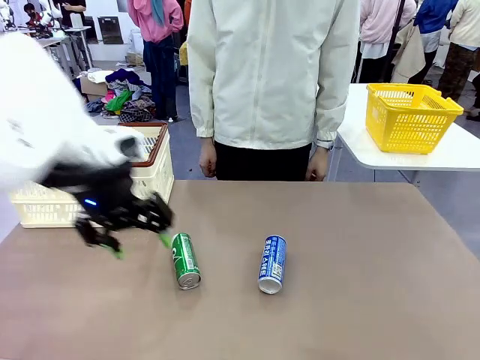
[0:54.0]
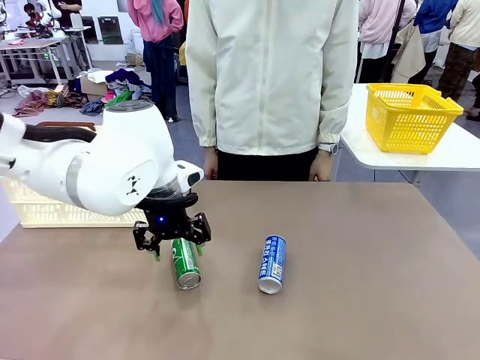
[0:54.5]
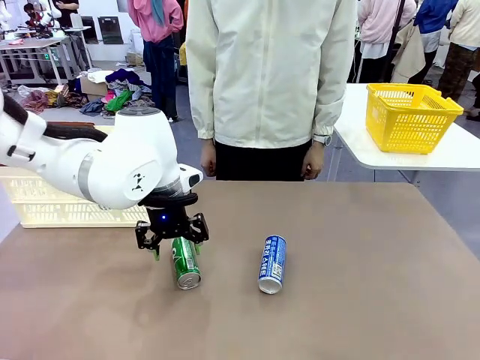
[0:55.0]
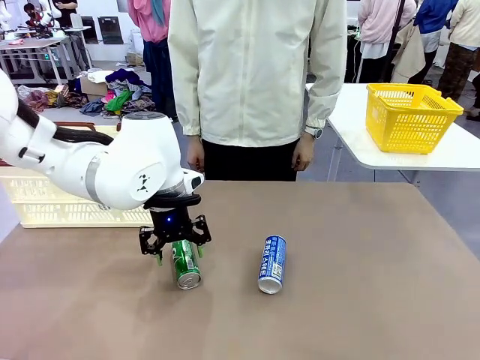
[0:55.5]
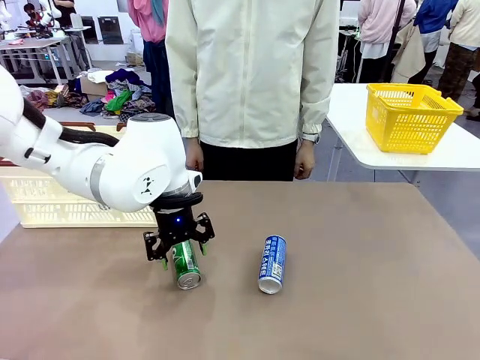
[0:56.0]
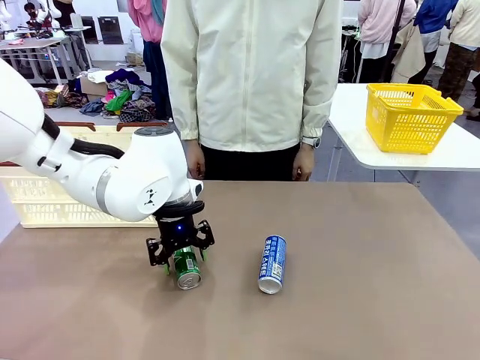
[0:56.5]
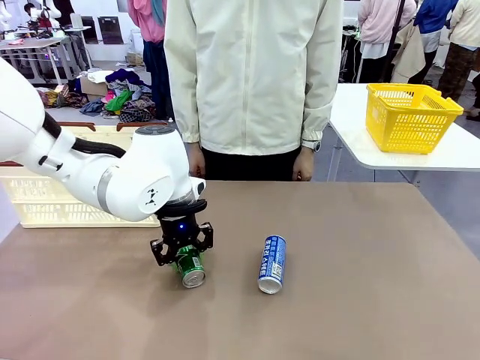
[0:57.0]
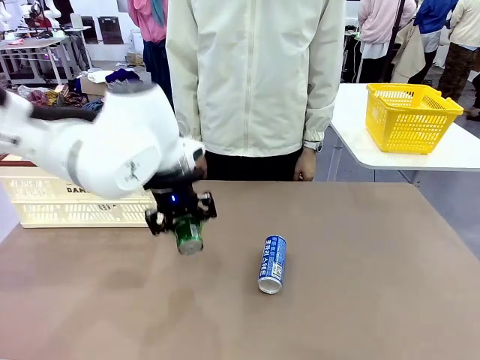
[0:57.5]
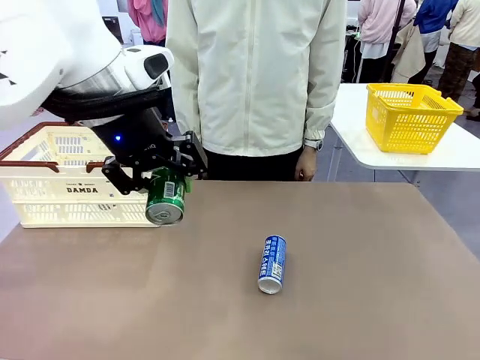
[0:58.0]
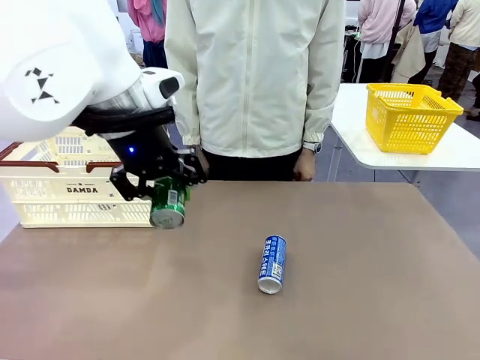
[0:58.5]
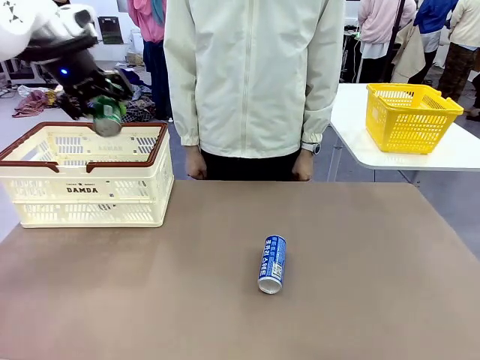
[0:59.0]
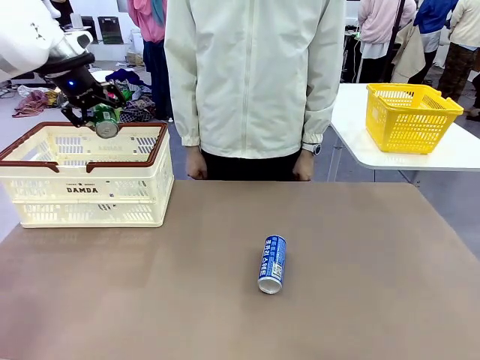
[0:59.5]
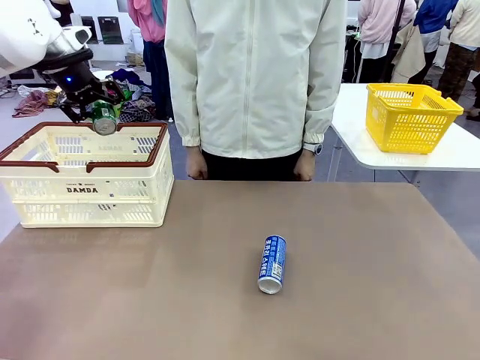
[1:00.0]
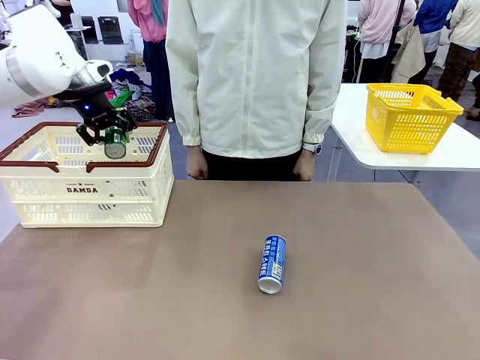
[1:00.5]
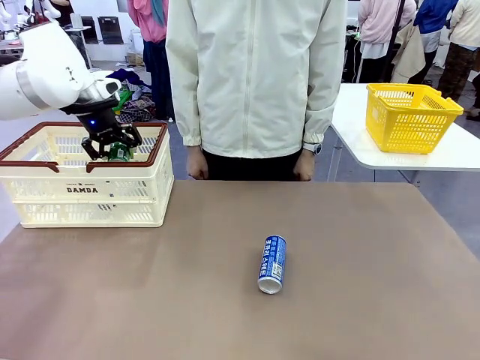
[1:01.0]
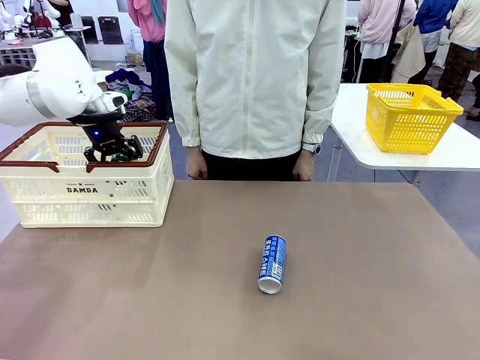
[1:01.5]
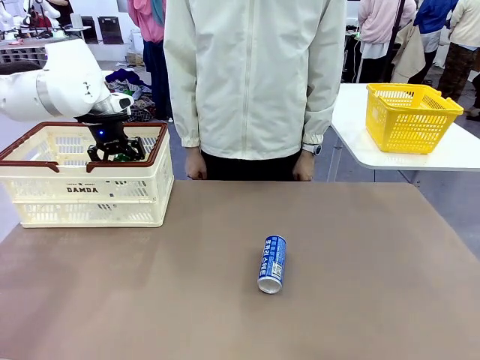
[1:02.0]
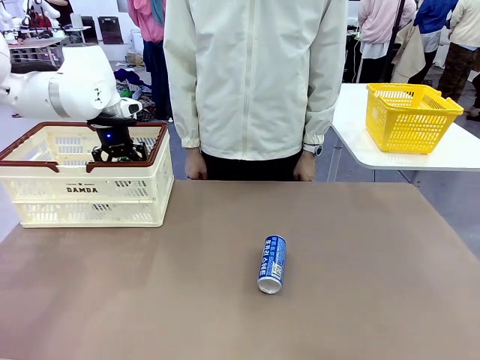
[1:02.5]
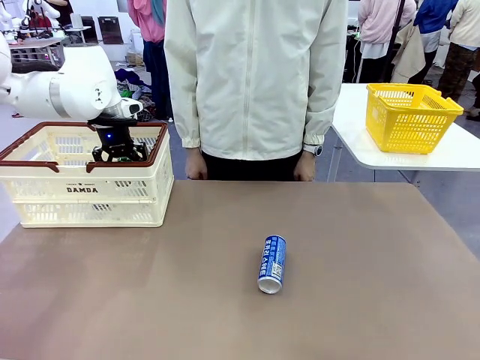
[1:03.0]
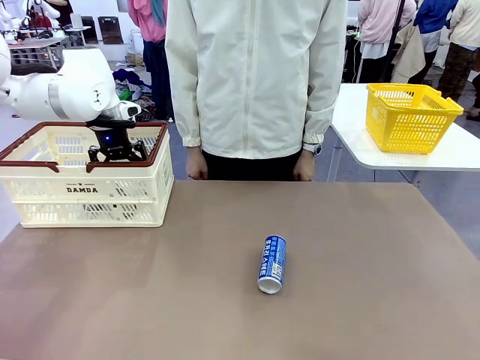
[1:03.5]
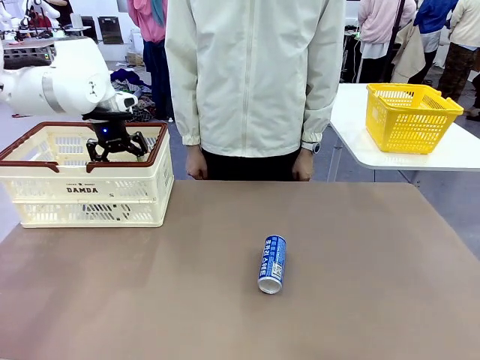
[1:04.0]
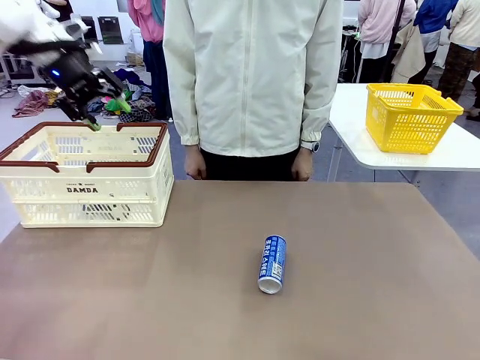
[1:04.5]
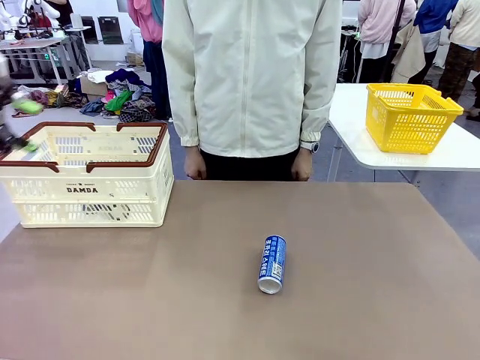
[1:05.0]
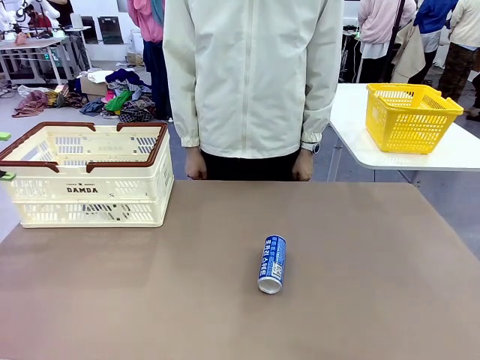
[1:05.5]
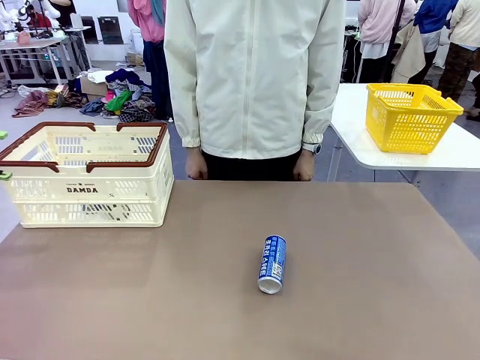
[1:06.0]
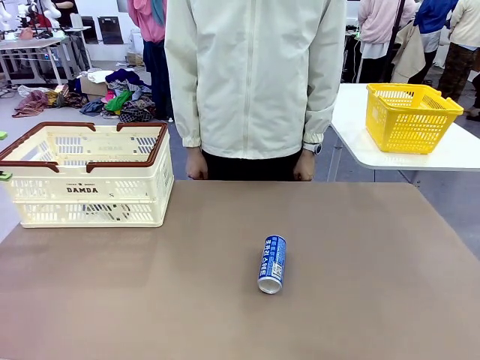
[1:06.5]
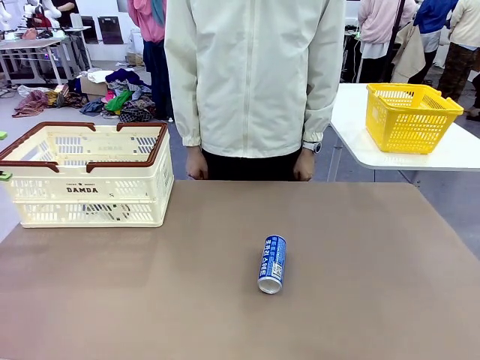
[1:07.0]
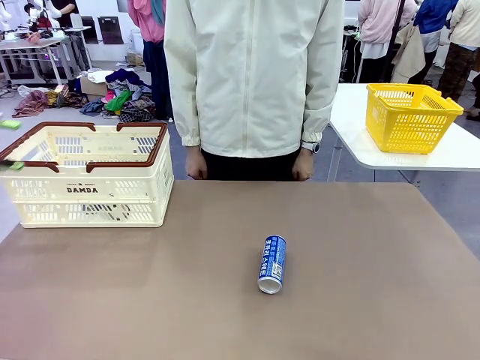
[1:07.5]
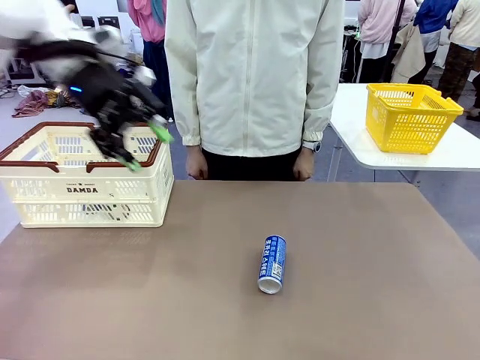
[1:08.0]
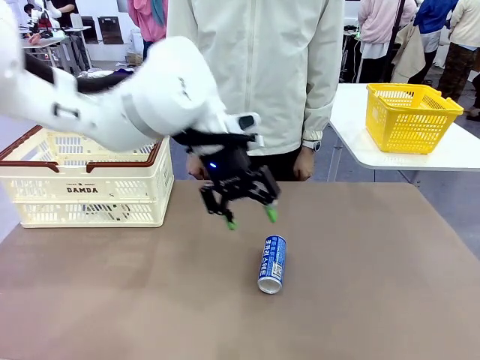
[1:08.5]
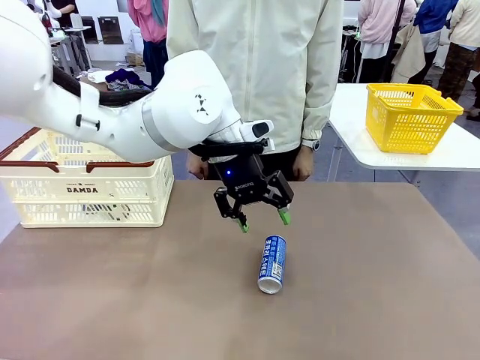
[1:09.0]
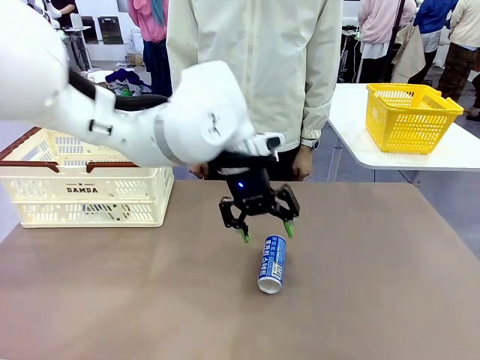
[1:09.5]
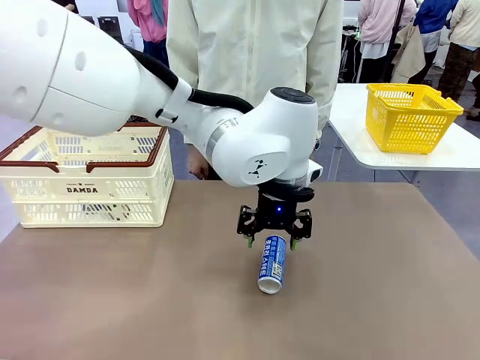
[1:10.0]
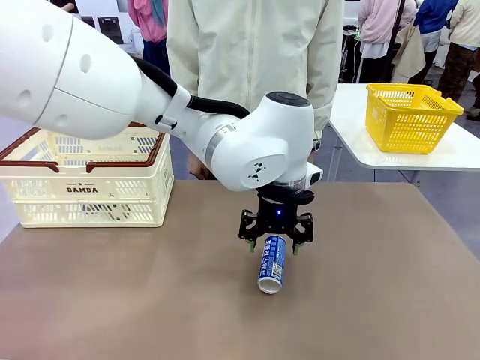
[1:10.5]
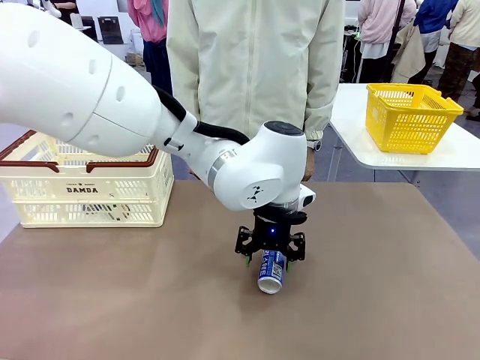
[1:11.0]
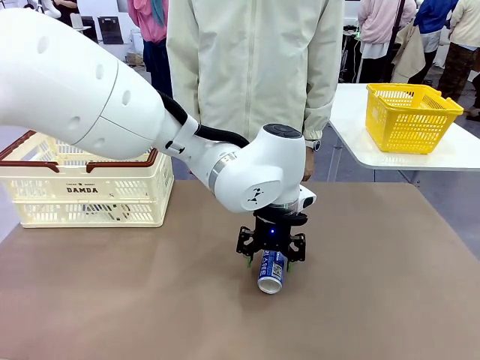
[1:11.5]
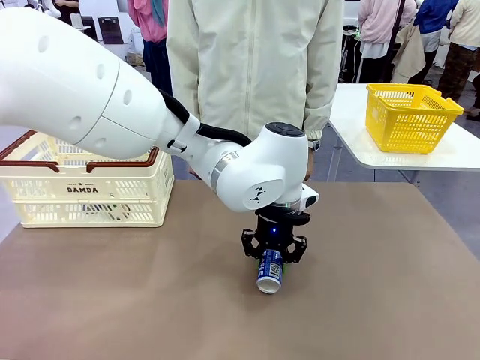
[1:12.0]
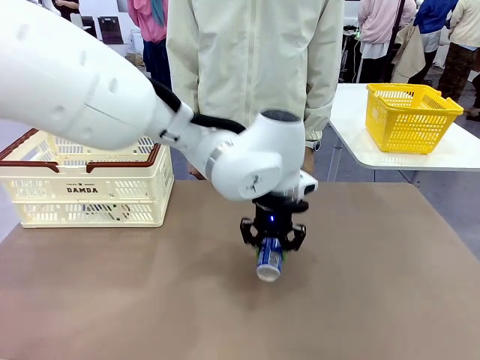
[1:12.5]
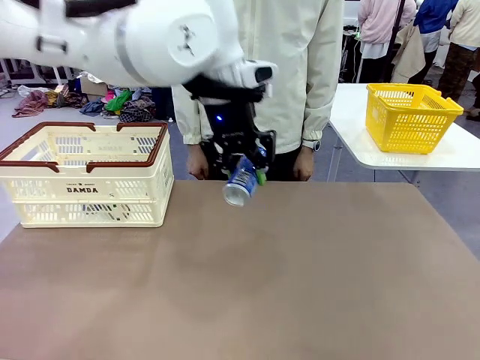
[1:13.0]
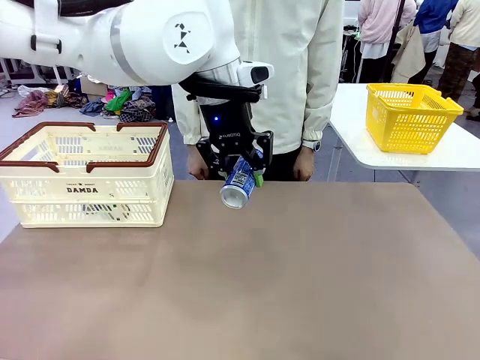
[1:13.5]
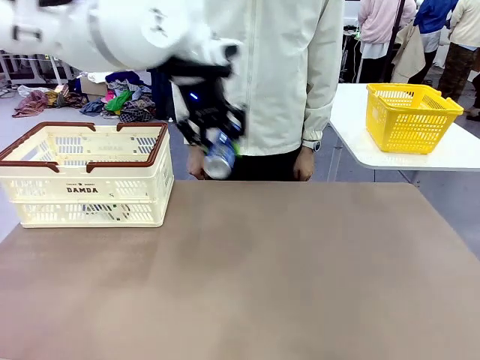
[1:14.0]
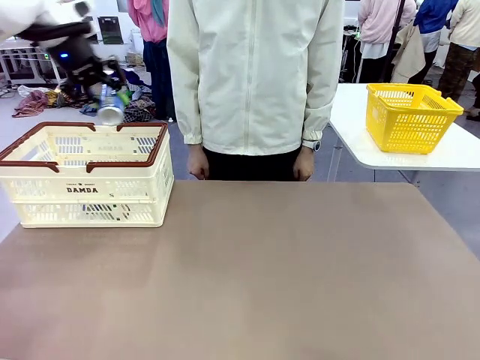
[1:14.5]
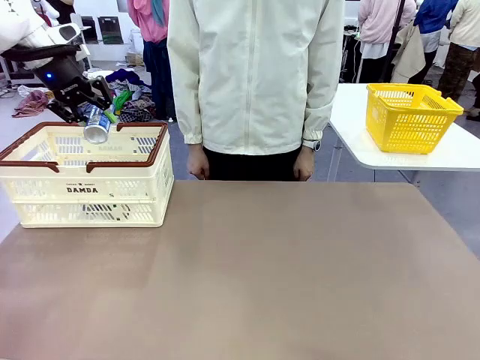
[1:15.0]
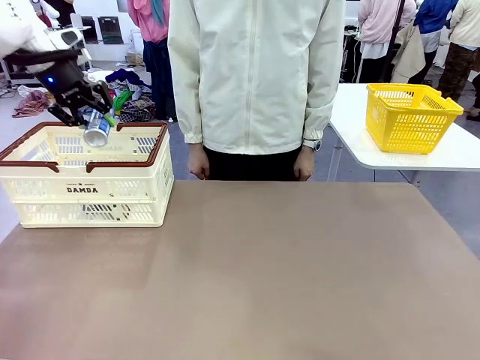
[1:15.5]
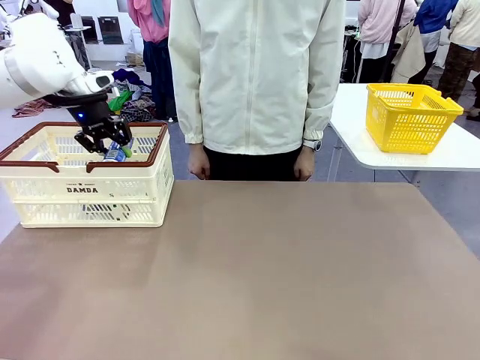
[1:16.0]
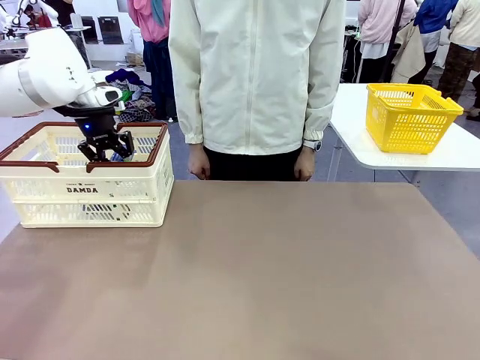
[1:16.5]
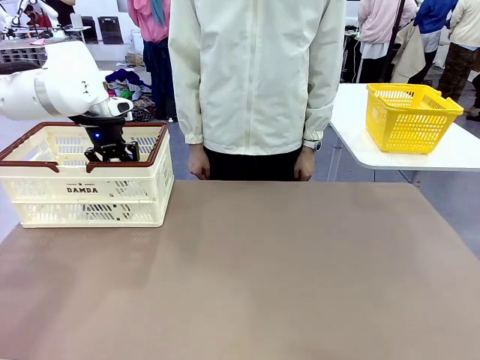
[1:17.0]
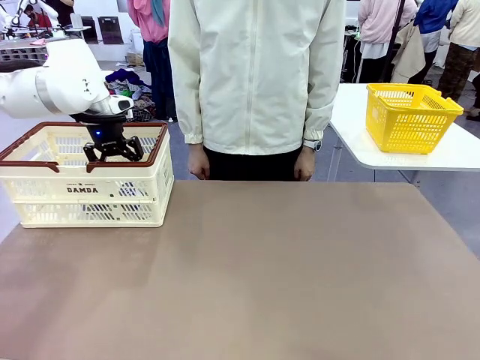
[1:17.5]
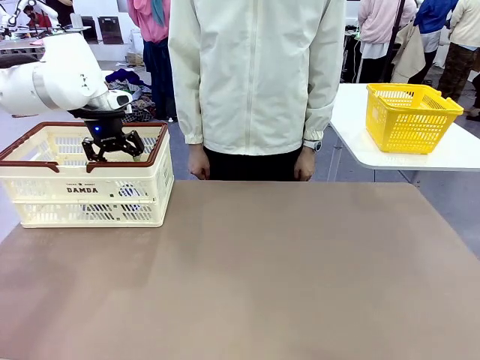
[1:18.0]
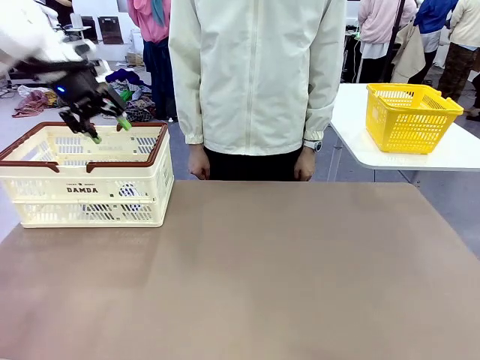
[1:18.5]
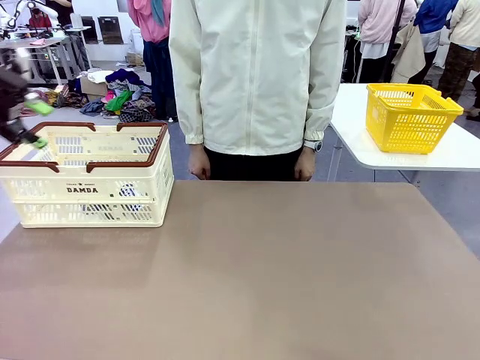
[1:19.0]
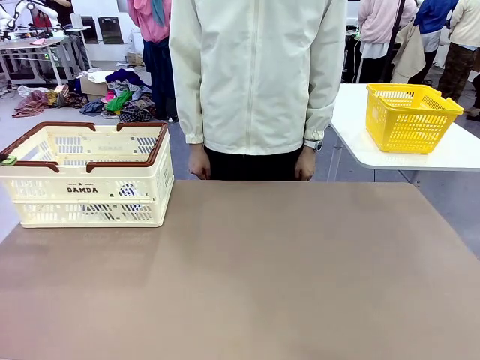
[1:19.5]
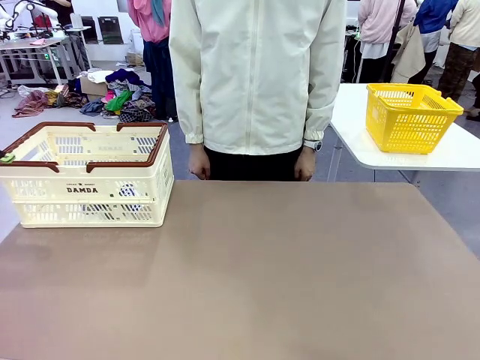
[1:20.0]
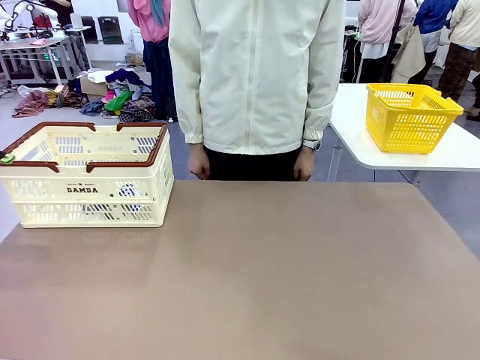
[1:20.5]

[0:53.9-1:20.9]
Task: Place the drinks into the Shopping basket.
Robot: Pick up one drink and place it into the Shopping basket.

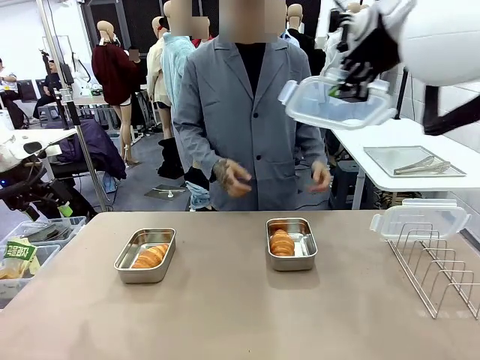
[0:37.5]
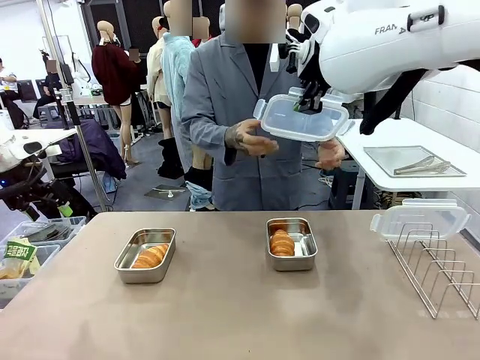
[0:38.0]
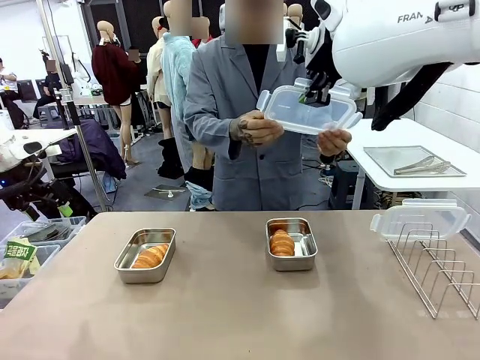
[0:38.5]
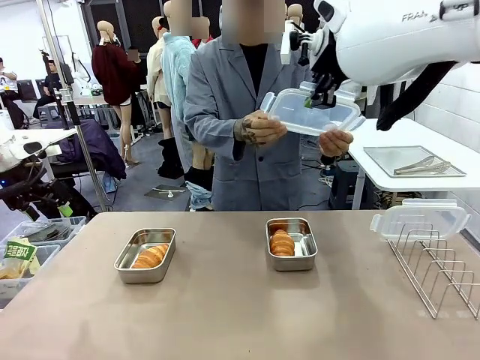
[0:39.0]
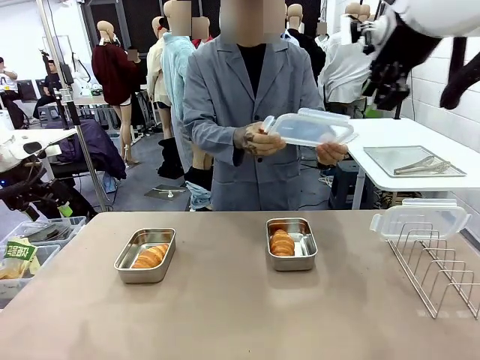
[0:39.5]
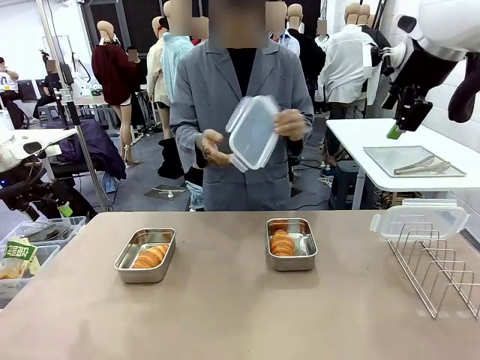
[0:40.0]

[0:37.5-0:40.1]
Task: Place the bread in airtight containers.
Robot: Release when the human grabs the Airtight Container lid.
